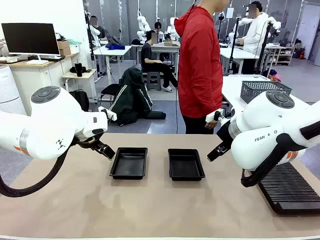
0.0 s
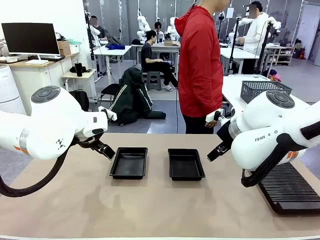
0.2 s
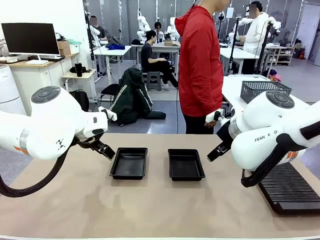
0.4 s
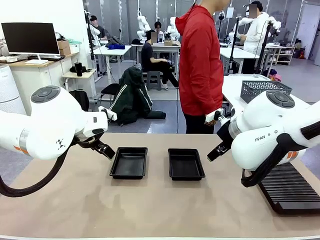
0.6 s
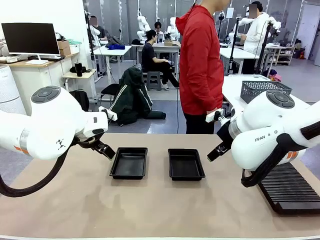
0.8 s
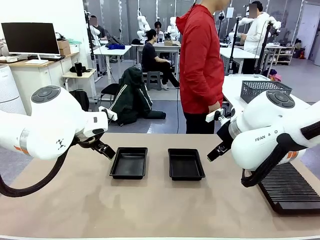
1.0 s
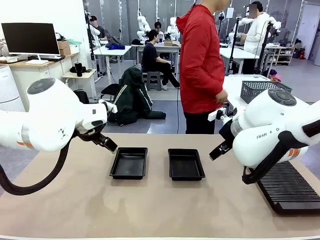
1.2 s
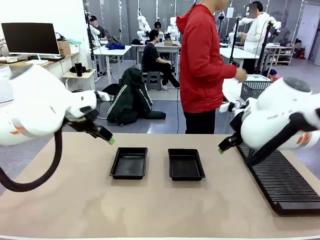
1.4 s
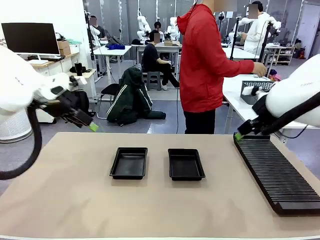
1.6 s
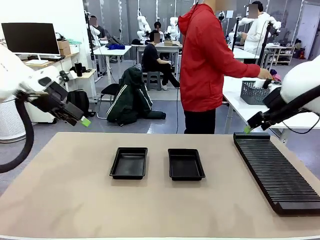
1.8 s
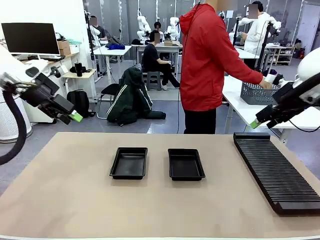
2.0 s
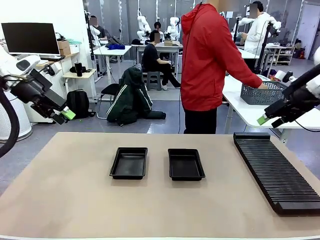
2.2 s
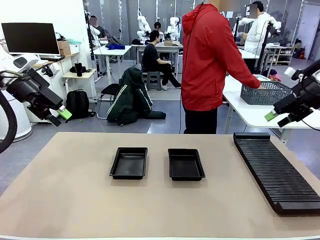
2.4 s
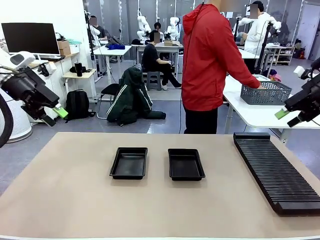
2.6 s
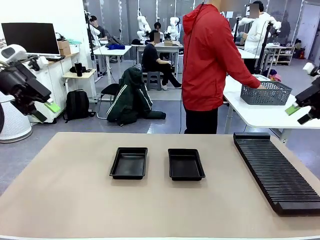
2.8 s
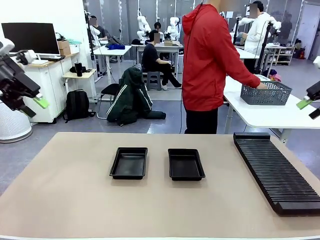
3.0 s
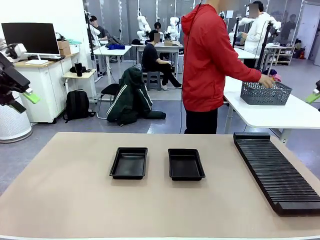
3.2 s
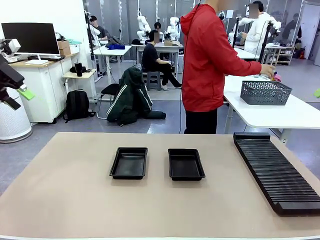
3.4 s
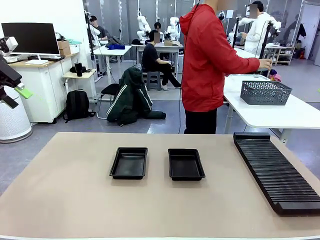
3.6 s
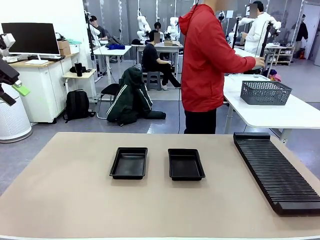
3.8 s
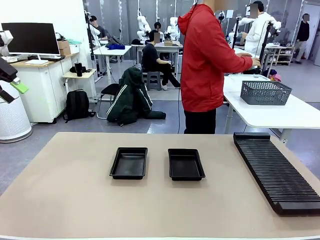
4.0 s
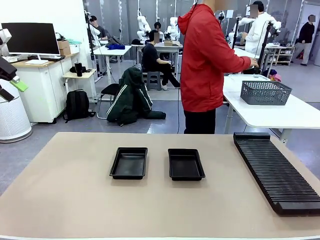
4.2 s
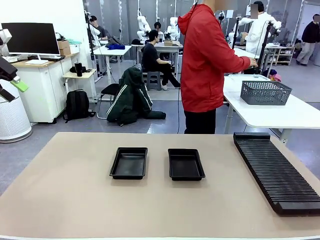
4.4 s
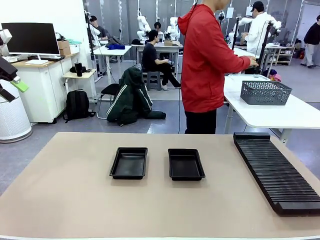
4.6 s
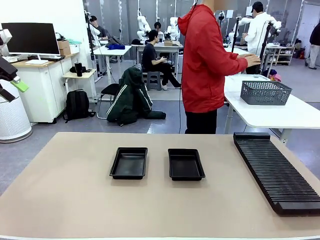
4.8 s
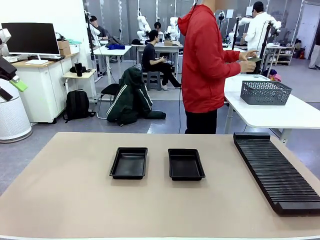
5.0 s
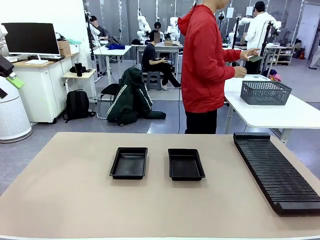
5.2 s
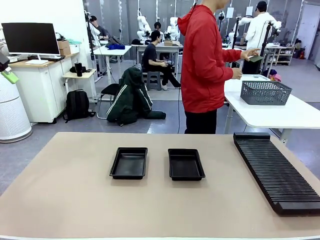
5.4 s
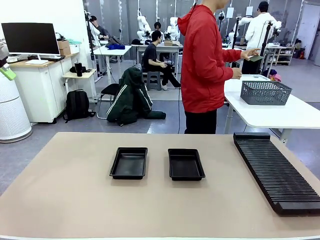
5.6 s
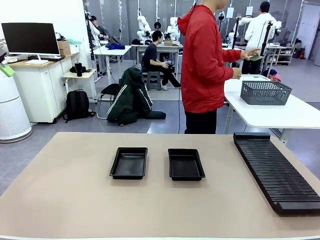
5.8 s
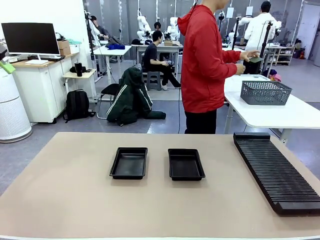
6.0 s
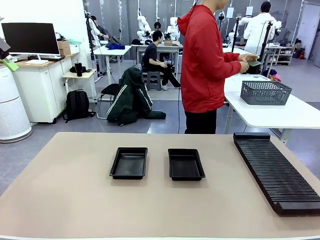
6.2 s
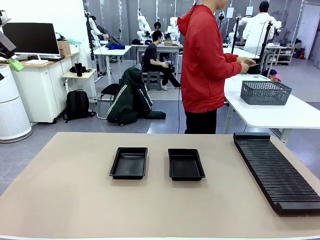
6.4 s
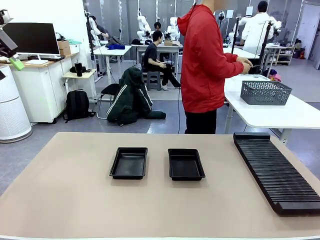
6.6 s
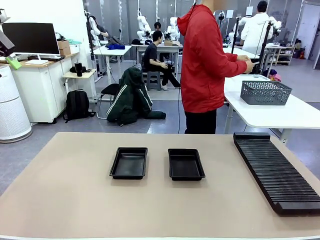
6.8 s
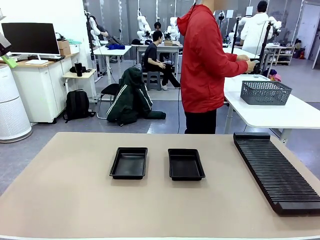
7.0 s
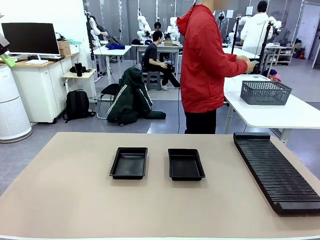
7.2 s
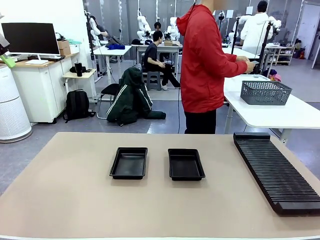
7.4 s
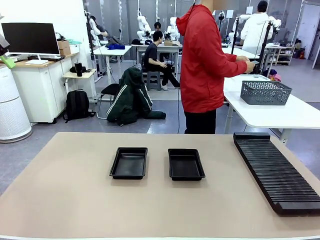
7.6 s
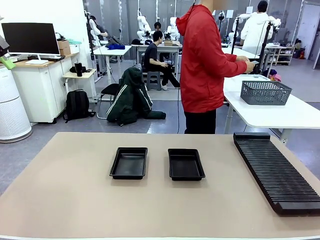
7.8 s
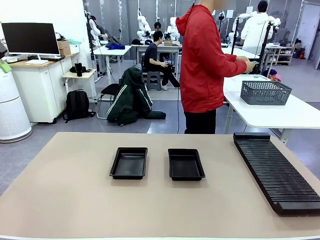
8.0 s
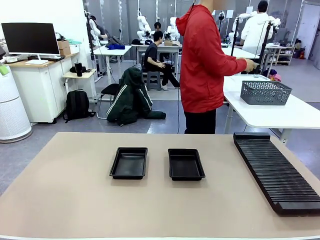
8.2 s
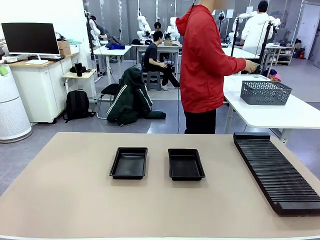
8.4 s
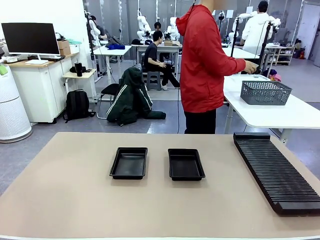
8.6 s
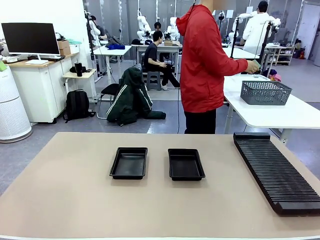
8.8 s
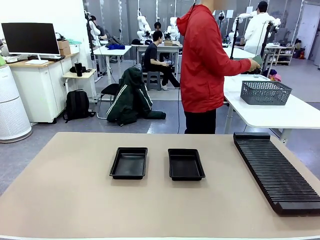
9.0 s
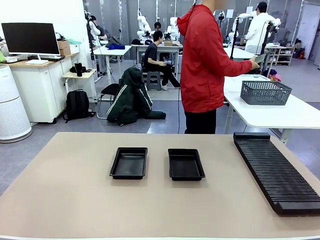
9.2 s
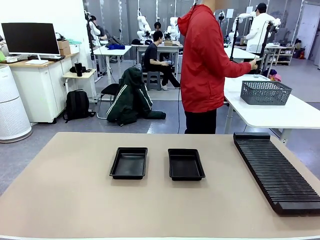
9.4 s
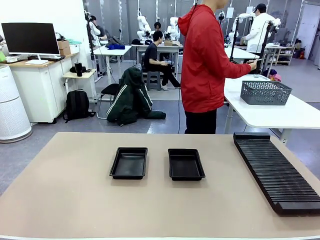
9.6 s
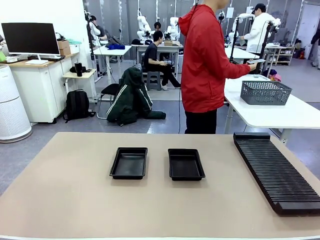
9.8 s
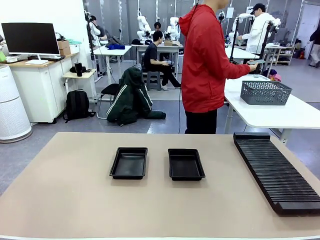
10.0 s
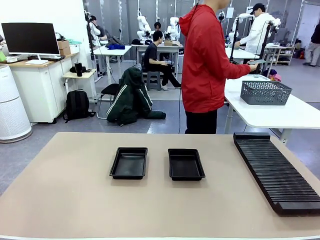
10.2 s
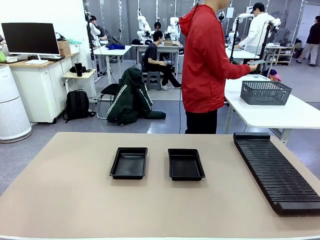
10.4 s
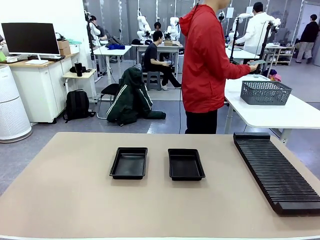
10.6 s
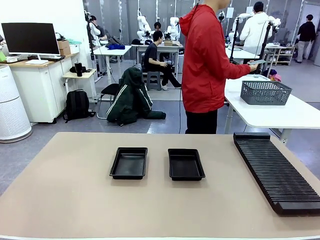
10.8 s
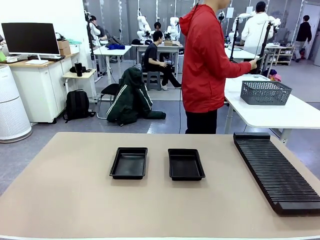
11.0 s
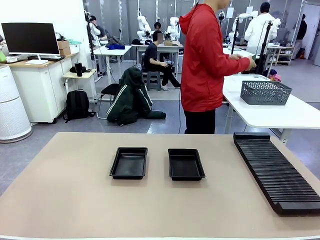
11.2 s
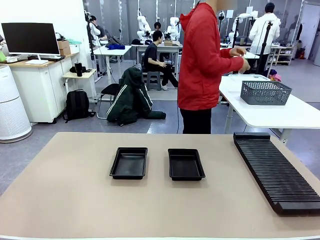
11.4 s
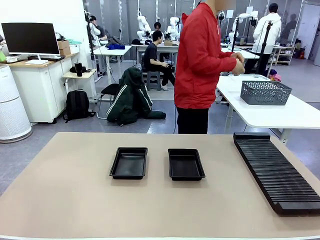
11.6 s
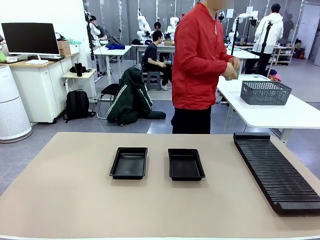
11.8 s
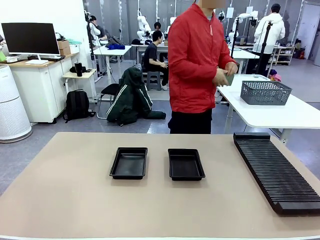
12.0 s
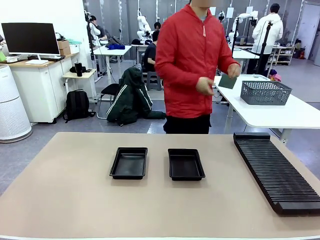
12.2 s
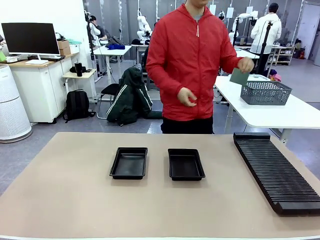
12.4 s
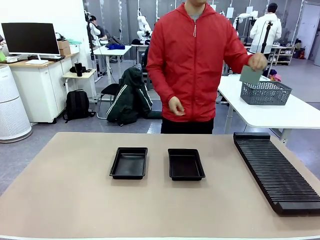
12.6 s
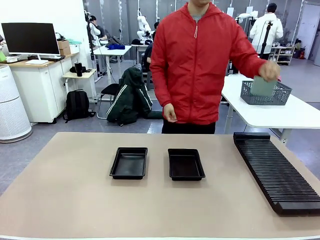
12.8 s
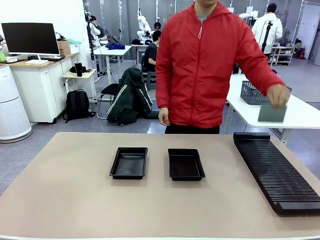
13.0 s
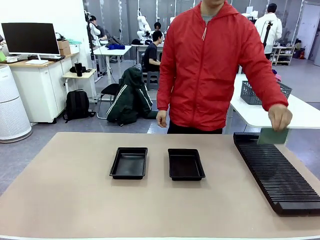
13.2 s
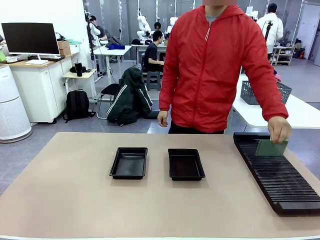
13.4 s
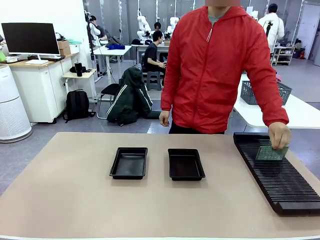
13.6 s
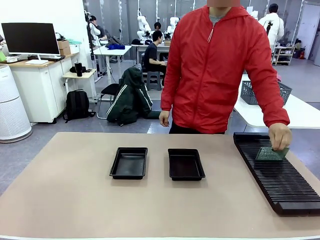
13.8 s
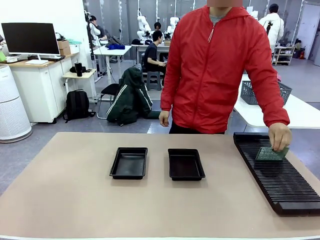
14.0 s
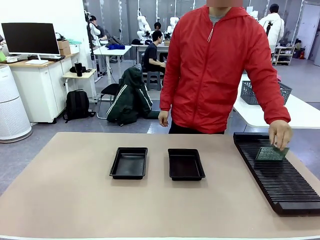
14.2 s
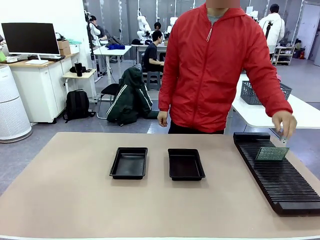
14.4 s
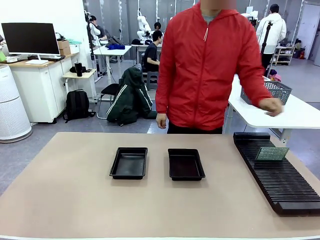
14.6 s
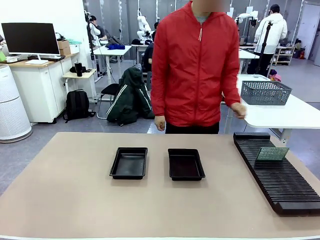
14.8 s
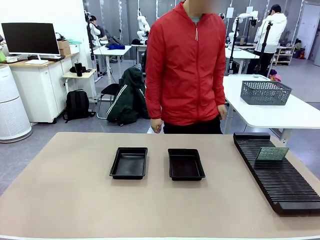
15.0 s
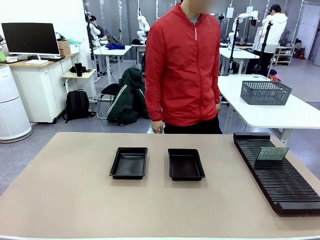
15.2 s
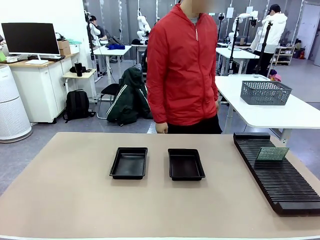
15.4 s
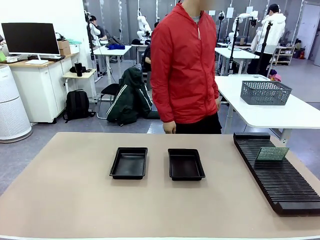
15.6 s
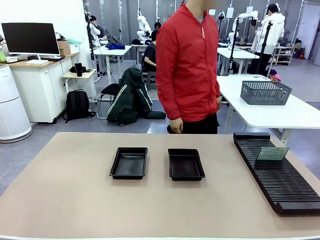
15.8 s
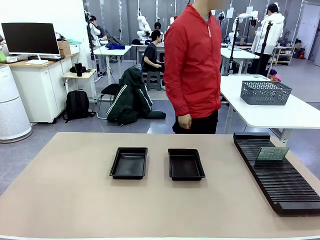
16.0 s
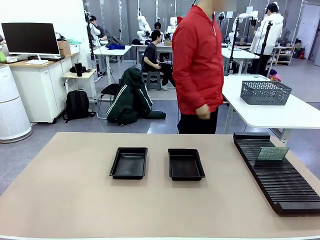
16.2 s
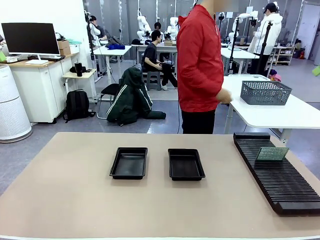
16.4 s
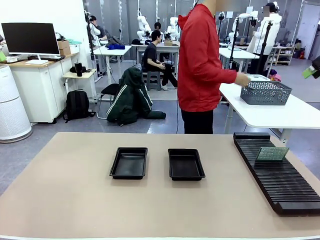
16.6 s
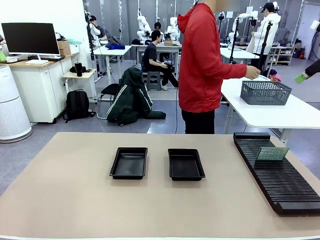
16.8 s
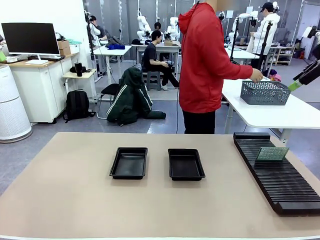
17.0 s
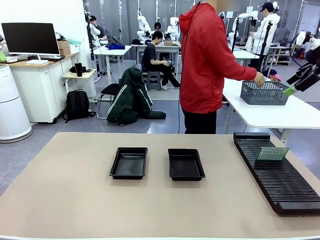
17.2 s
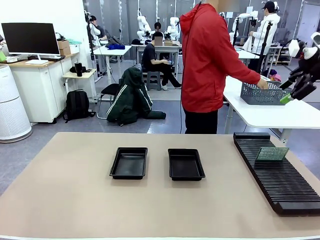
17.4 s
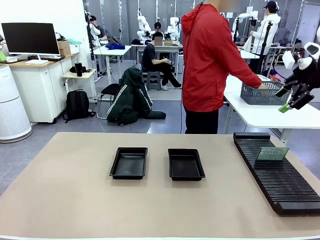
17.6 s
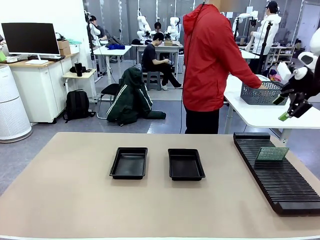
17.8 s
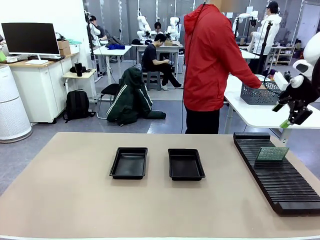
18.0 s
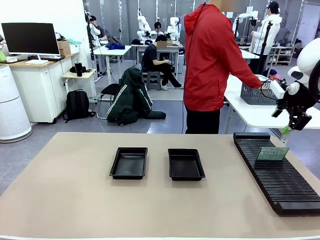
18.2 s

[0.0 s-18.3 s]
Task: Inspect and transfer BCBs to ESD trays.
Robot: Pick up the Blank PCB from the PCB Rack and place it in the left ESD tray.
